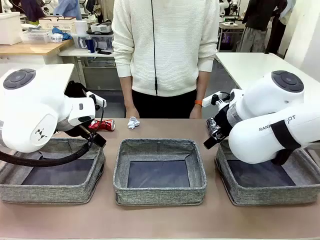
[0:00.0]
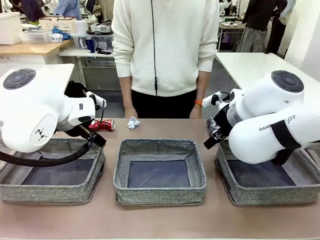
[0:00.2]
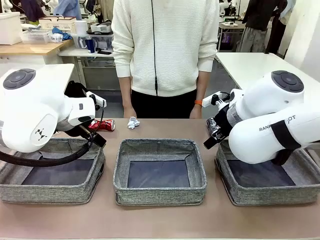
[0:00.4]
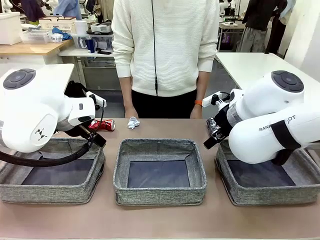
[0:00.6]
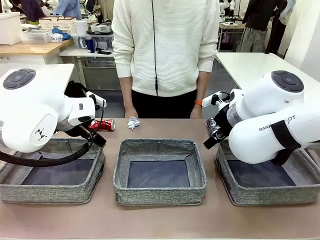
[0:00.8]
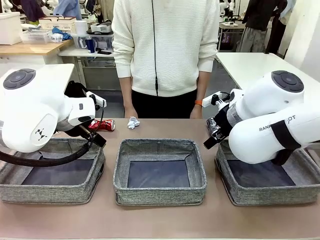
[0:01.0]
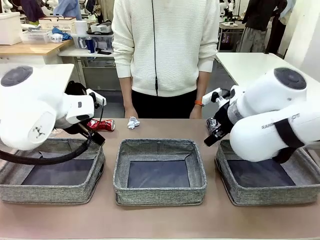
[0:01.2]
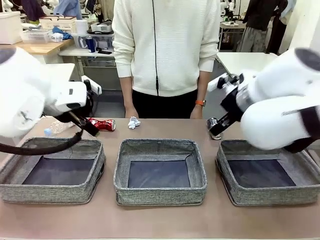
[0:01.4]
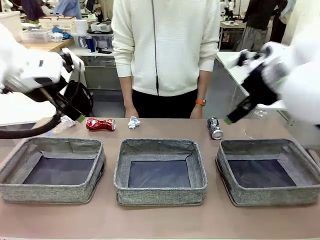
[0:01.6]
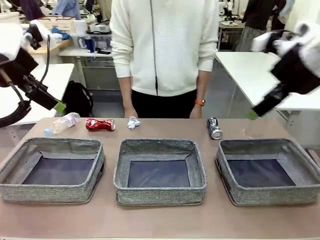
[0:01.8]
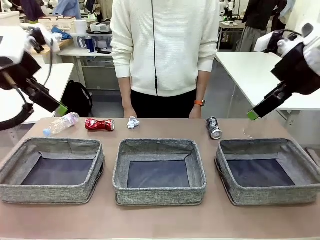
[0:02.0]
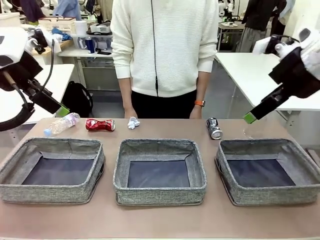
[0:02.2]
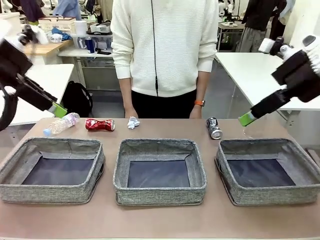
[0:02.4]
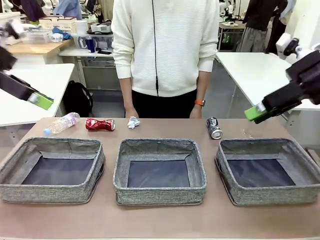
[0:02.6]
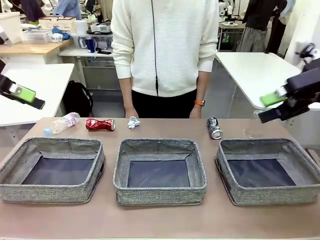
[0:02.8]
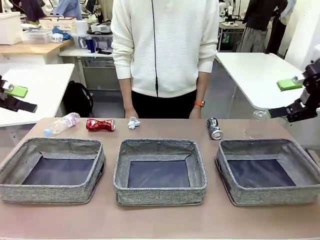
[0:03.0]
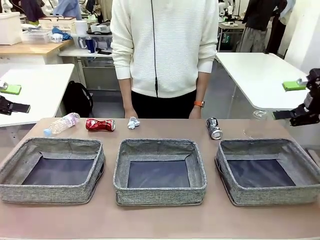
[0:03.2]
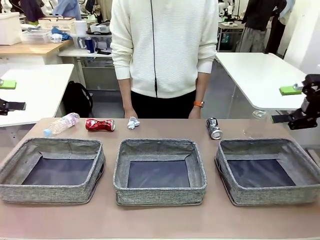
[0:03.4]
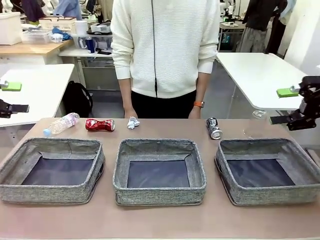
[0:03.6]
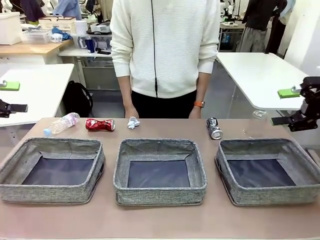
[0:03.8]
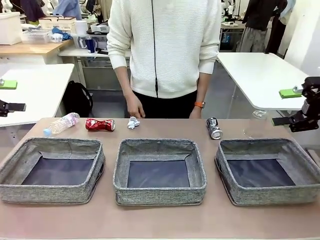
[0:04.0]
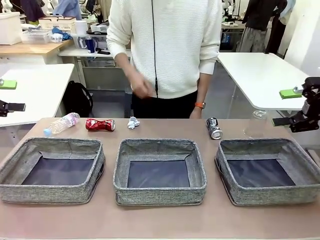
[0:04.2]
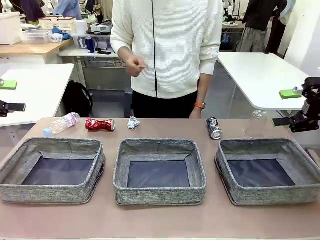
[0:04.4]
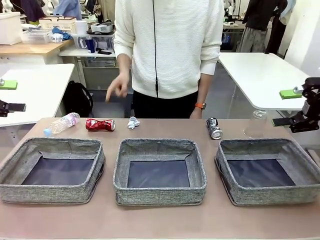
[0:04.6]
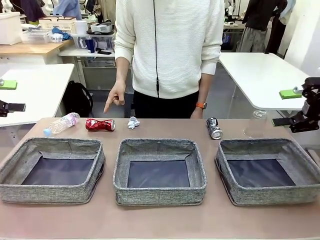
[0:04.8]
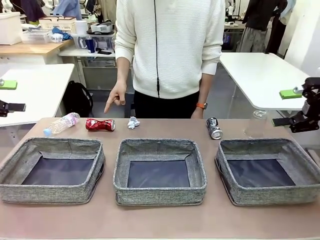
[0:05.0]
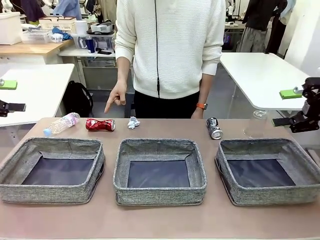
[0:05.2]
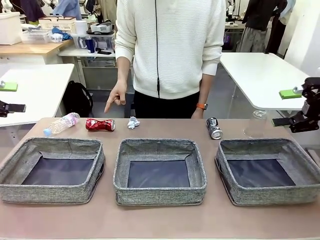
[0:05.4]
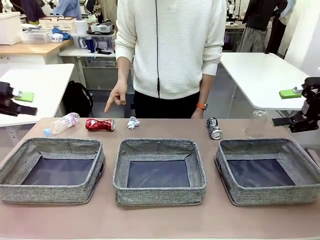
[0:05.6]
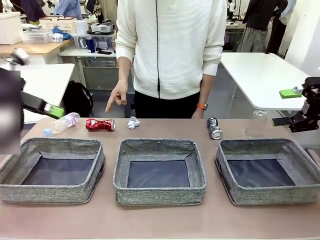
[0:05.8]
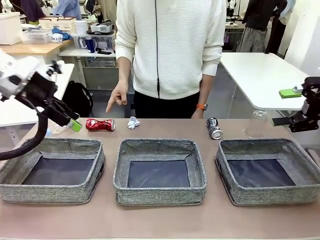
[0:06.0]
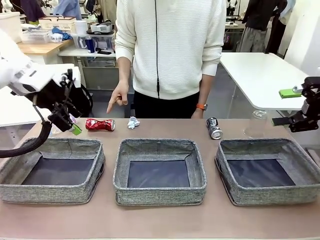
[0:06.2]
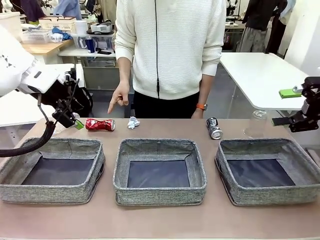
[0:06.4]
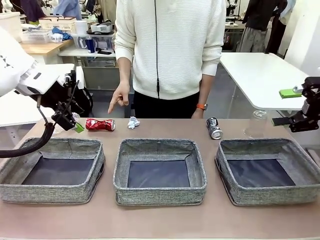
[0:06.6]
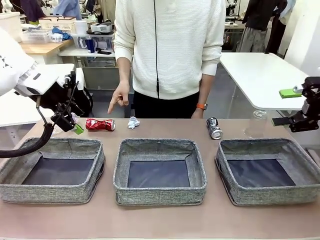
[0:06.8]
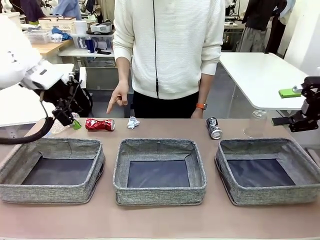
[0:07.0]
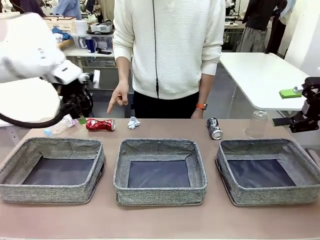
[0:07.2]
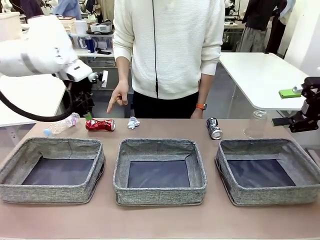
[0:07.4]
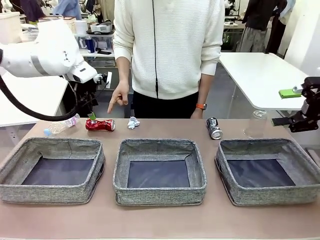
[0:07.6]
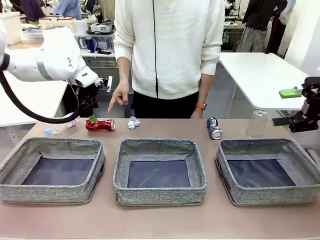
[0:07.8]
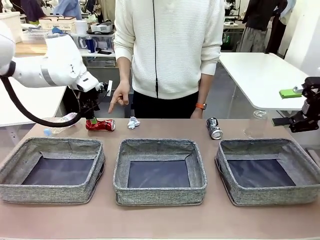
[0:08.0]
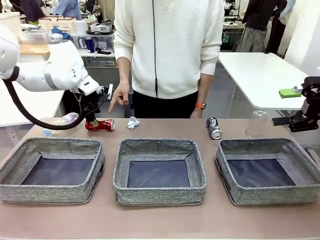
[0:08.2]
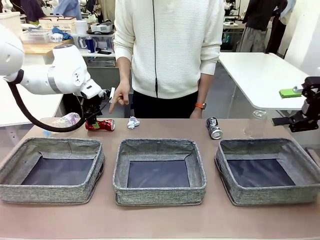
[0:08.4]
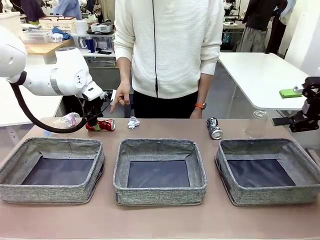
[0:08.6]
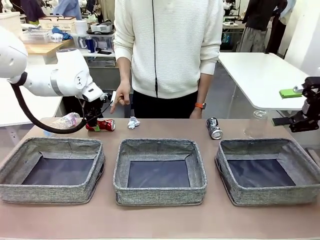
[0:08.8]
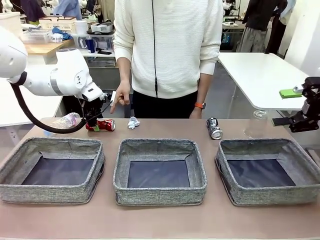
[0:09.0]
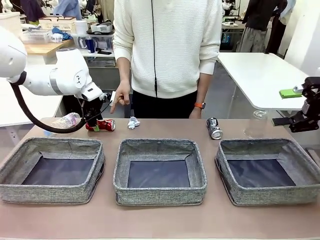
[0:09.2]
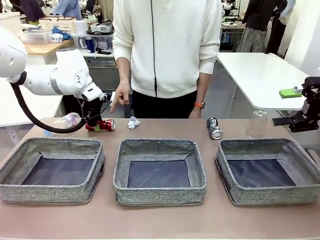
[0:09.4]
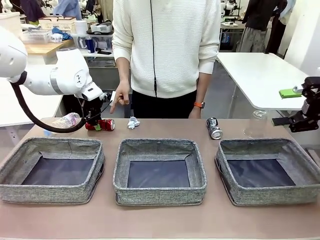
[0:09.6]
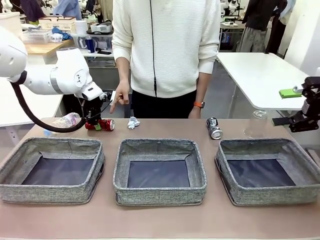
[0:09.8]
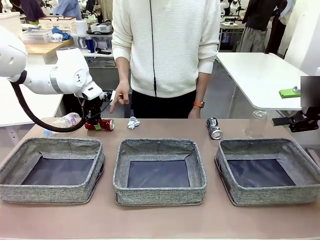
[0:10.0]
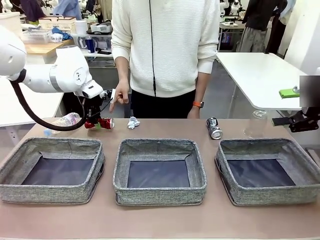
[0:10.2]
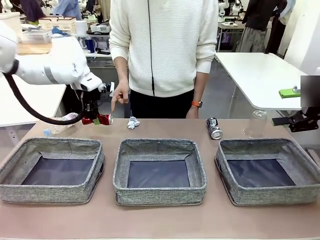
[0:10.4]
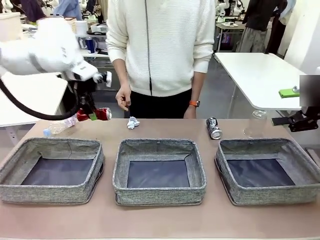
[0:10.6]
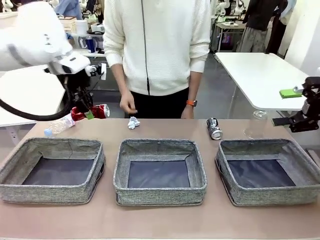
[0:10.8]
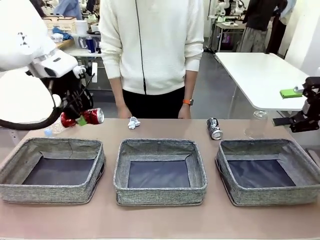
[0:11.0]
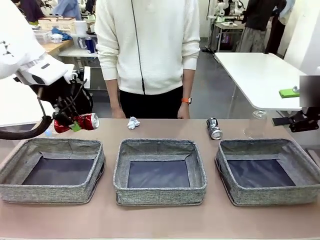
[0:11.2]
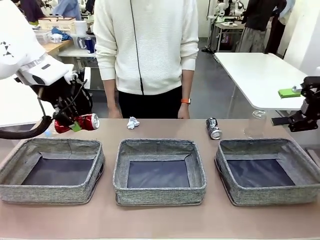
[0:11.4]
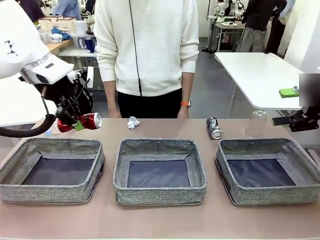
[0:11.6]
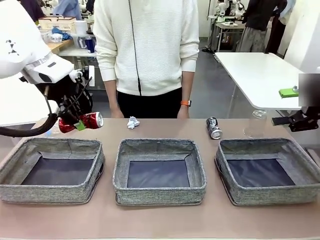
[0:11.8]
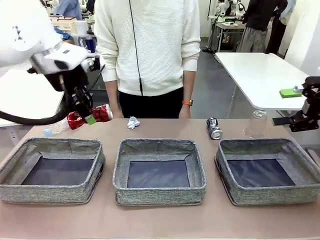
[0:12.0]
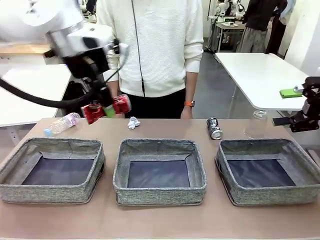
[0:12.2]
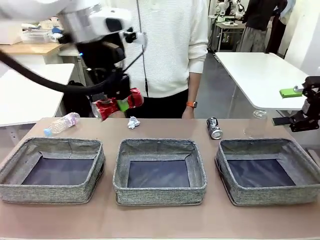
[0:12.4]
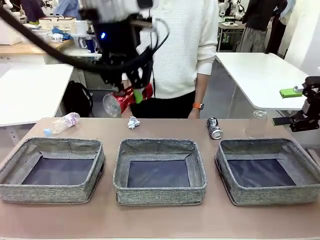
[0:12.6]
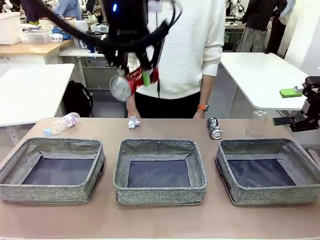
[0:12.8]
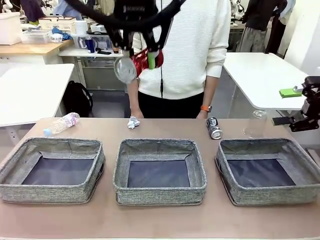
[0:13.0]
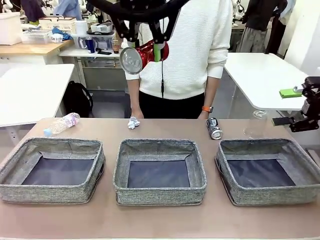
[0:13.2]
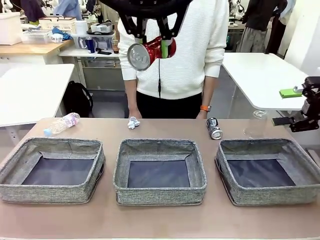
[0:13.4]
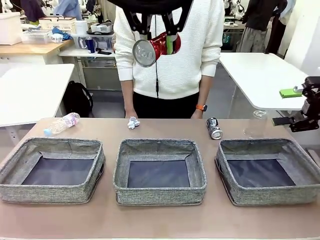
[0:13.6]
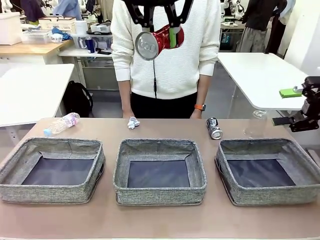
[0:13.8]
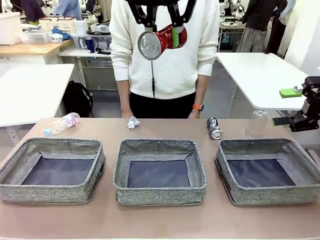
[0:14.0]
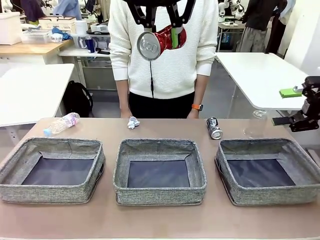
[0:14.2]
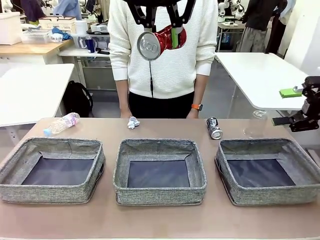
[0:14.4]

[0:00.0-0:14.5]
Task: Sort the waste into the appropriate baskets.
Robot: Pick up the waste item pointed out by the person.
Person: Points to one piece of trash on the table.

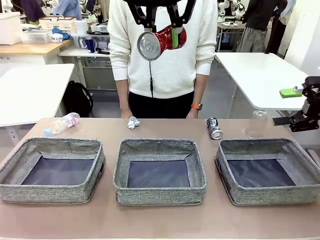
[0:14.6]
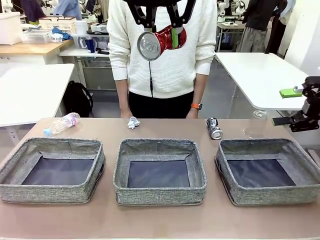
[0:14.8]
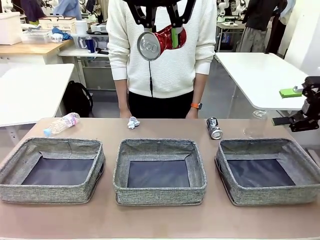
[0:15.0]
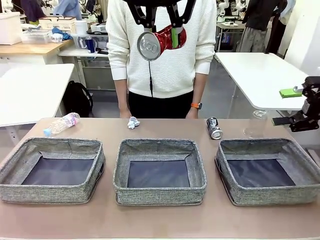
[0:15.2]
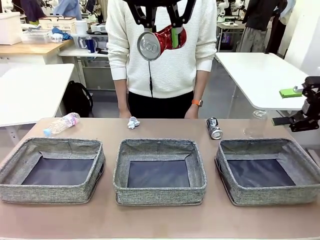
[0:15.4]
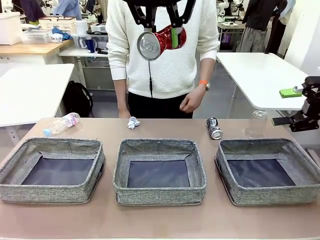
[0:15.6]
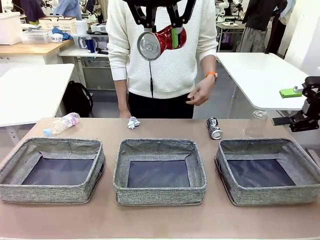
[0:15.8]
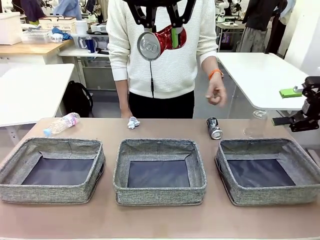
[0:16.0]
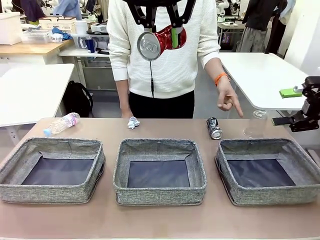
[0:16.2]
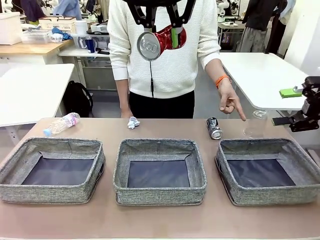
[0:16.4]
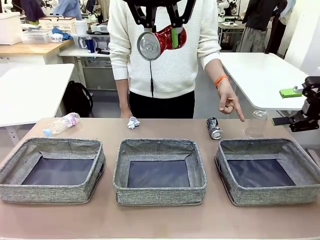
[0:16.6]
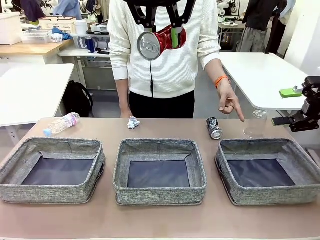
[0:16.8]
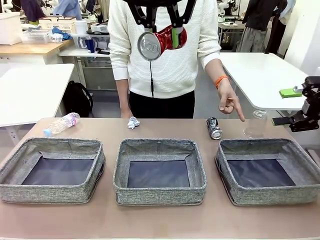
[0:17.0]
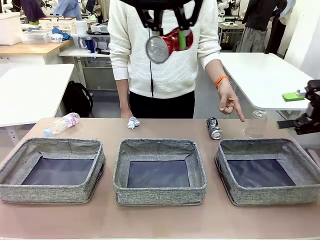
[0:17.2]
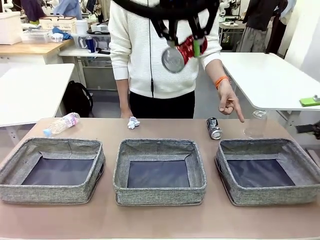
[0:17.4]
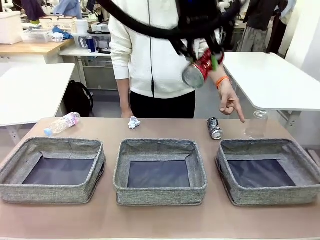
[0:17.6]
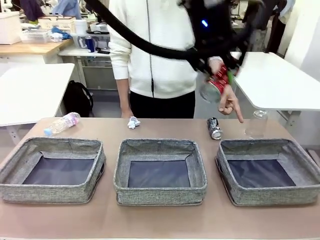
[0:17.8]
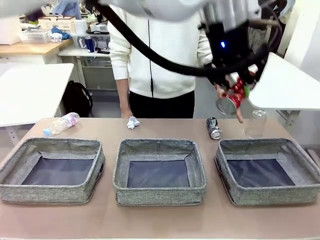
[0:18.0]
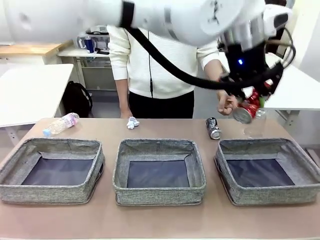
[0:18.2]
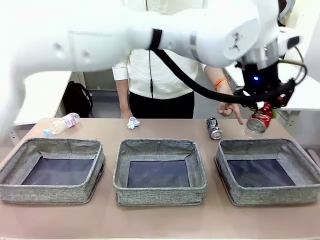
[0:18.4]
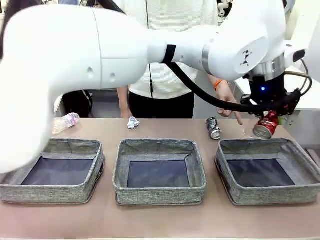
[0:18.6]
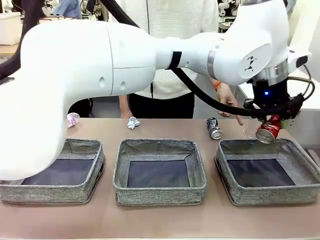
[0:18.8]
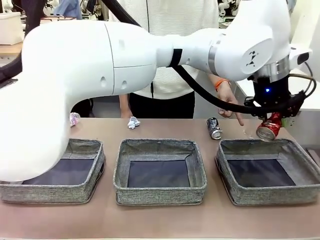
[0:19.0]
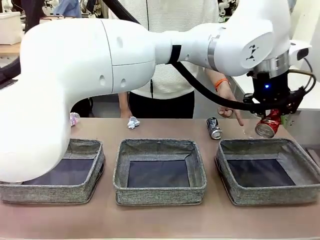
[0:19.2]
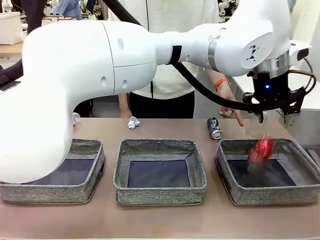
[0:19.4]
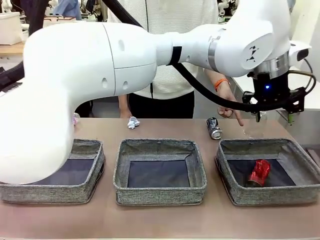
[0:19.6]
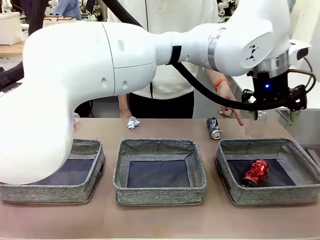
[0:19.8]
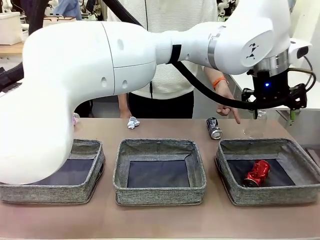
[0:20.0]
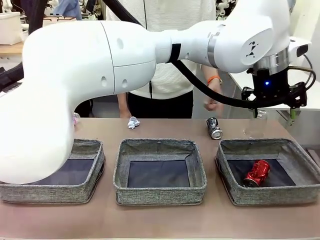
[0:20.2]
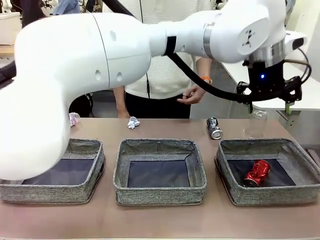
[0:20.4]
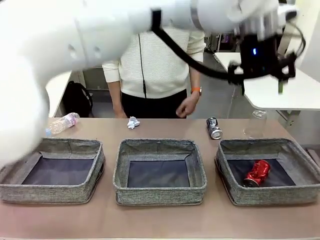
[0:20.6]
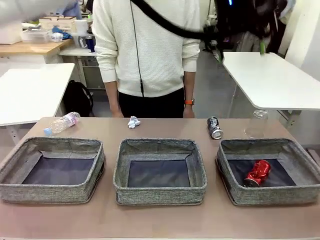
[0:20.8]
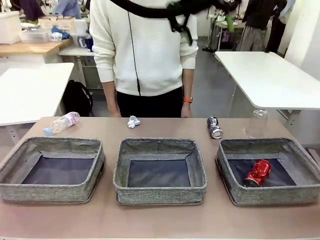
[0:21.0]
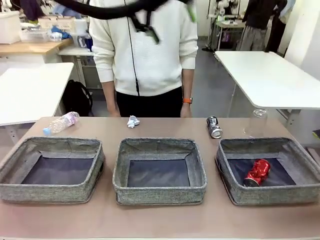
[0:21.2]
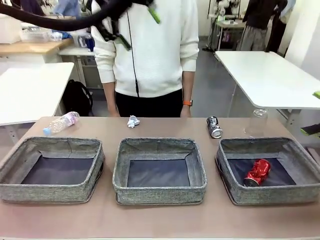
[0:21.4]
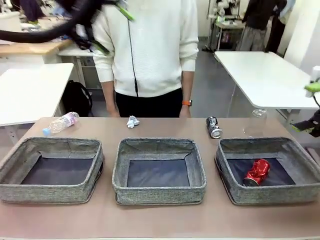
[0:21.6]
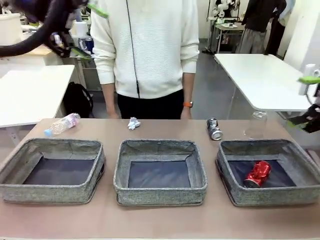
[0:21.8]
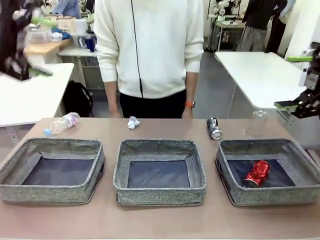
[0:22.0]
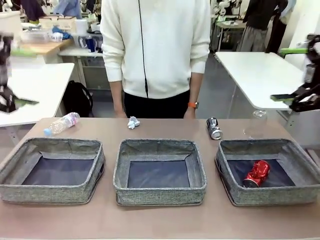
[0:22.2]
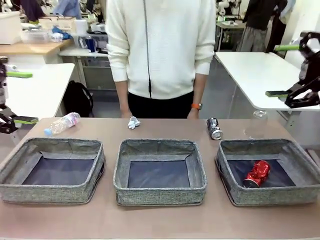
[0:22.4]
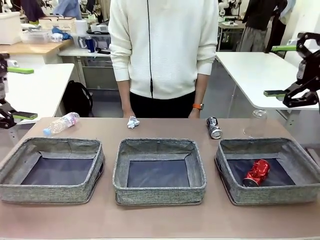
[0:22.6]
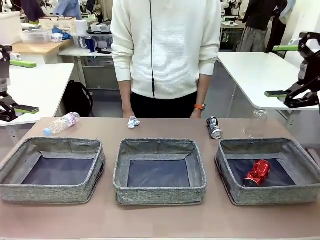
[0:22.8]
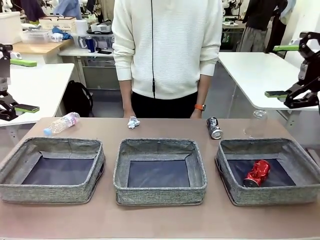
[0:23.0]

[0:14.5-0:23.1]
Robot: Place the picked waste into the Fabric basket indicated by the person.
Person: Instructs the robot to place the picked-up trash into the appropriate organizing basket.
